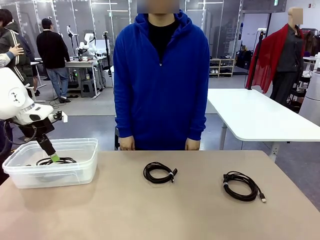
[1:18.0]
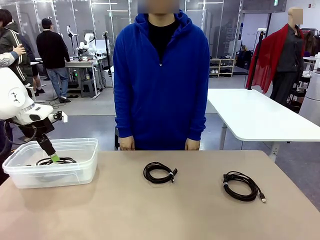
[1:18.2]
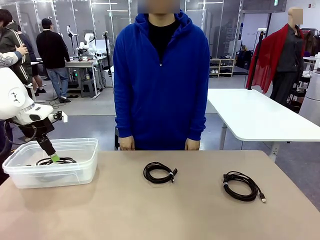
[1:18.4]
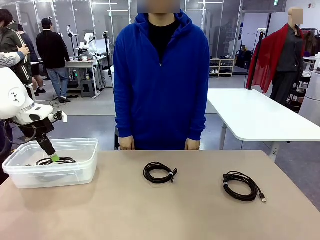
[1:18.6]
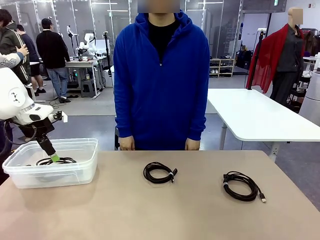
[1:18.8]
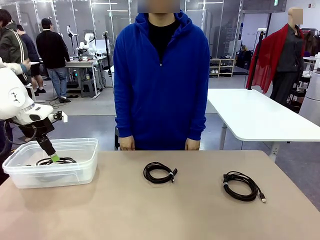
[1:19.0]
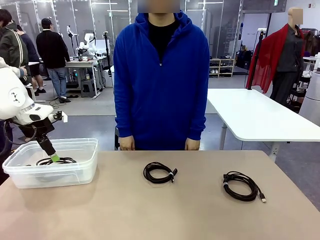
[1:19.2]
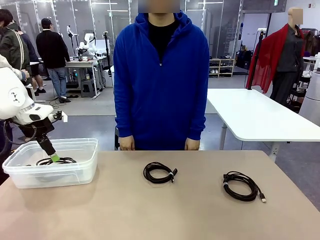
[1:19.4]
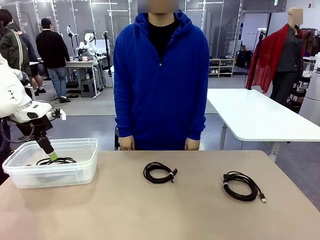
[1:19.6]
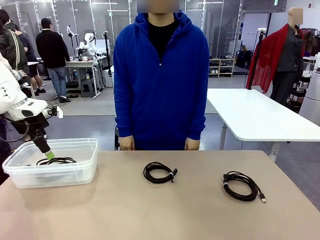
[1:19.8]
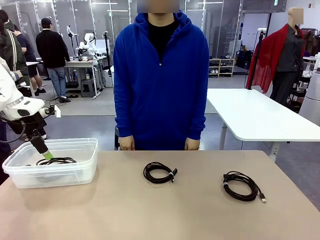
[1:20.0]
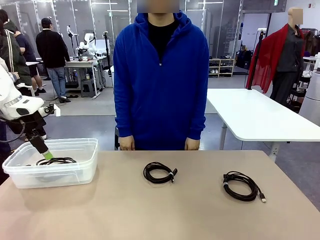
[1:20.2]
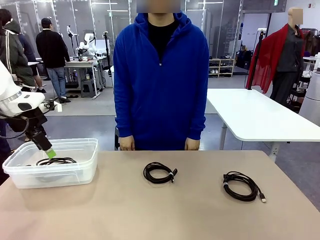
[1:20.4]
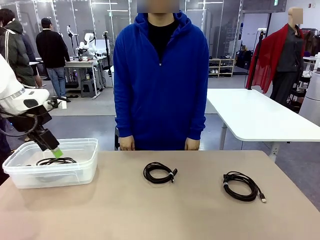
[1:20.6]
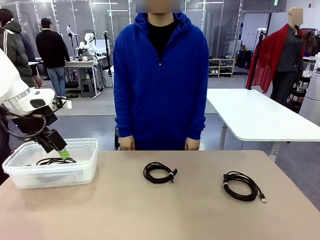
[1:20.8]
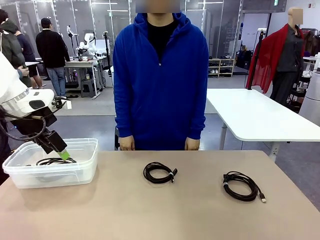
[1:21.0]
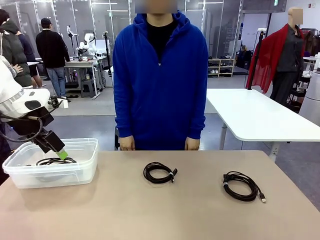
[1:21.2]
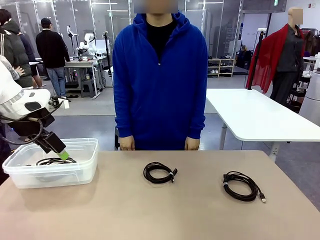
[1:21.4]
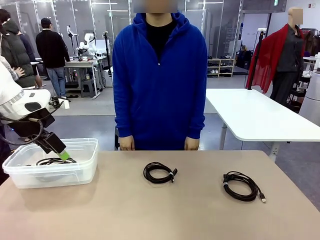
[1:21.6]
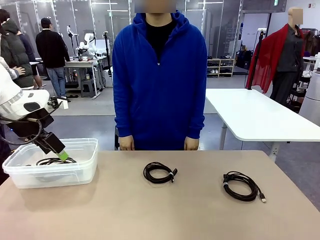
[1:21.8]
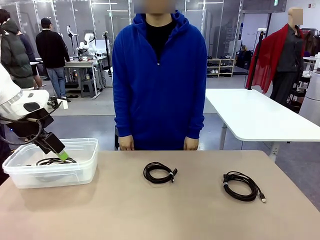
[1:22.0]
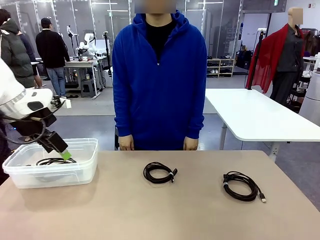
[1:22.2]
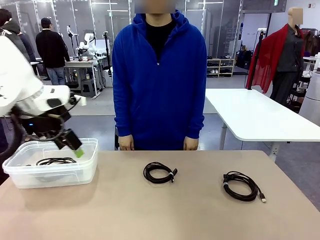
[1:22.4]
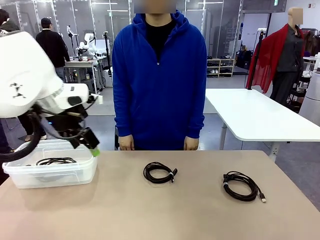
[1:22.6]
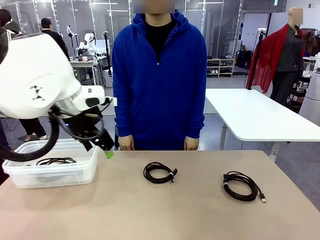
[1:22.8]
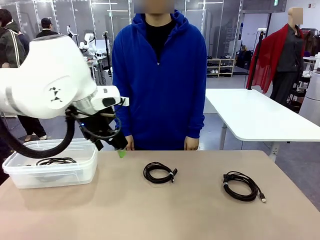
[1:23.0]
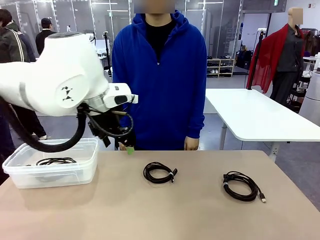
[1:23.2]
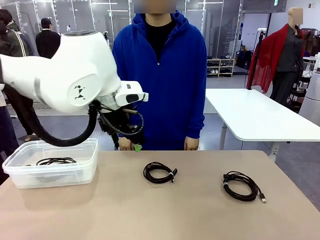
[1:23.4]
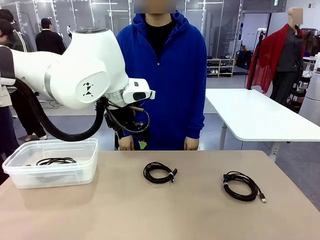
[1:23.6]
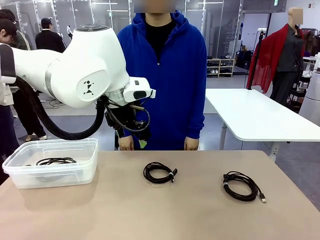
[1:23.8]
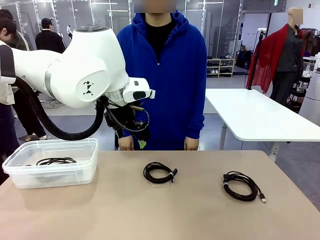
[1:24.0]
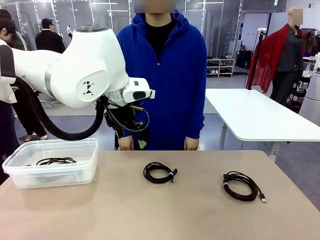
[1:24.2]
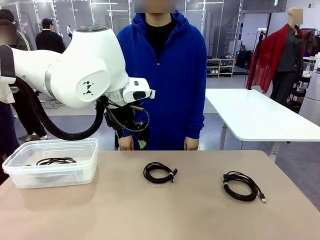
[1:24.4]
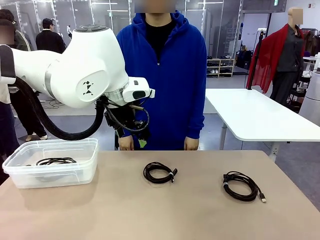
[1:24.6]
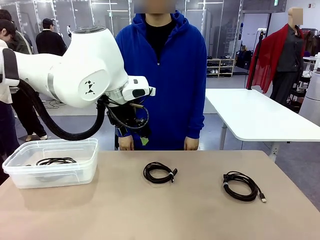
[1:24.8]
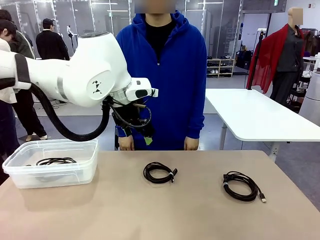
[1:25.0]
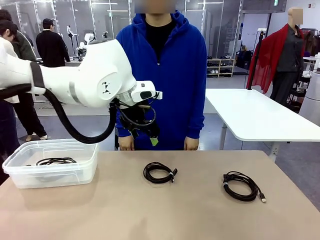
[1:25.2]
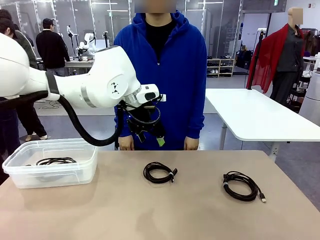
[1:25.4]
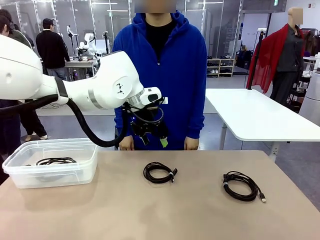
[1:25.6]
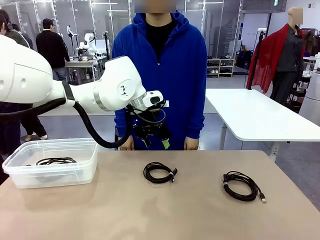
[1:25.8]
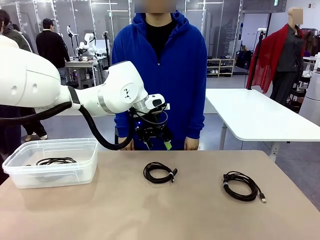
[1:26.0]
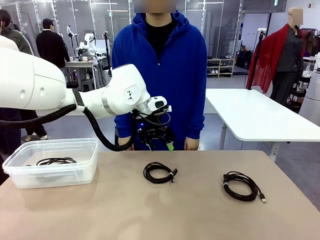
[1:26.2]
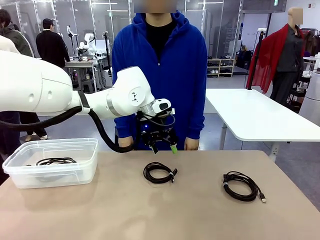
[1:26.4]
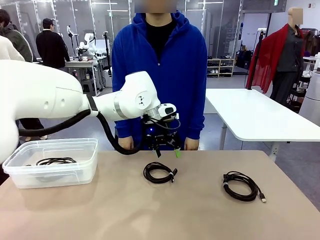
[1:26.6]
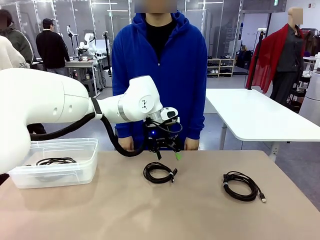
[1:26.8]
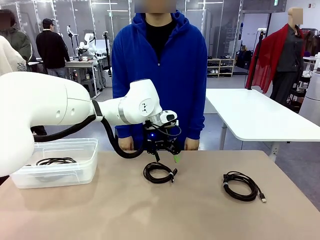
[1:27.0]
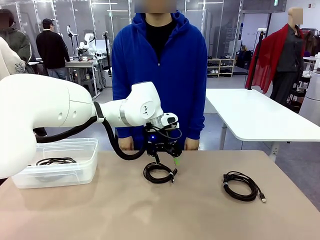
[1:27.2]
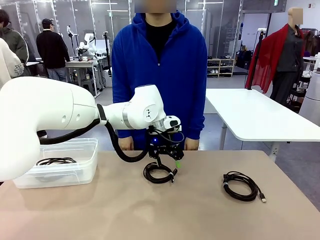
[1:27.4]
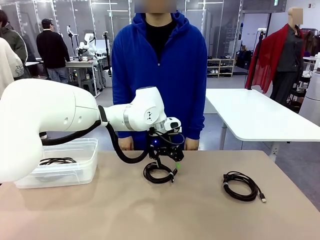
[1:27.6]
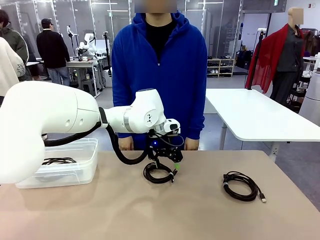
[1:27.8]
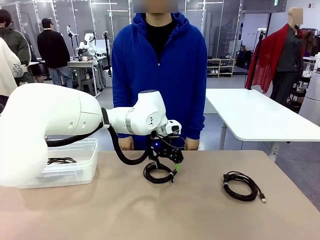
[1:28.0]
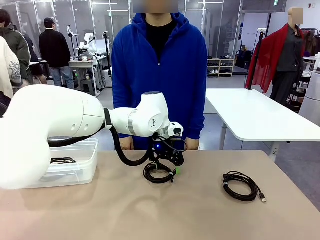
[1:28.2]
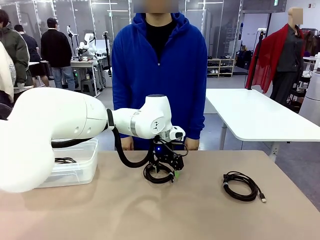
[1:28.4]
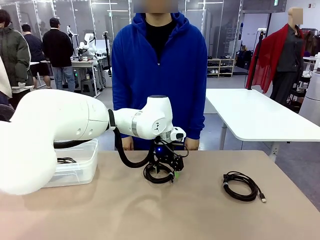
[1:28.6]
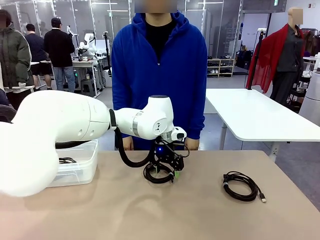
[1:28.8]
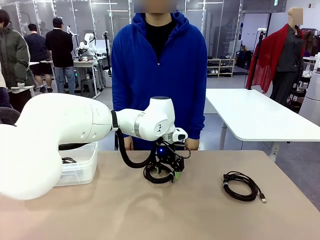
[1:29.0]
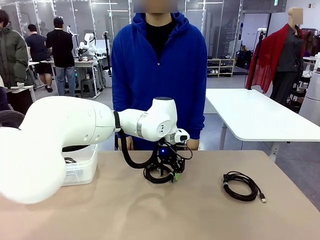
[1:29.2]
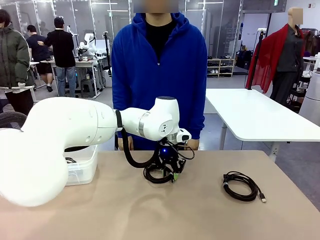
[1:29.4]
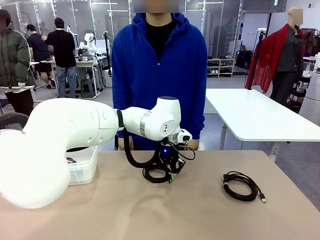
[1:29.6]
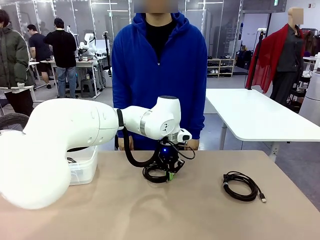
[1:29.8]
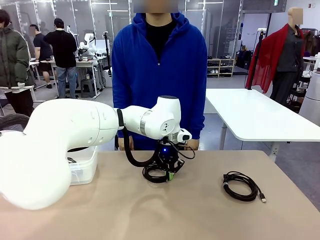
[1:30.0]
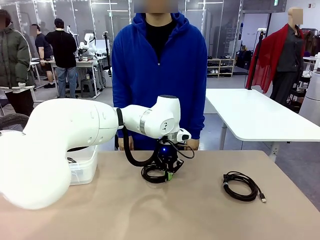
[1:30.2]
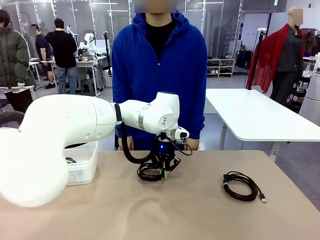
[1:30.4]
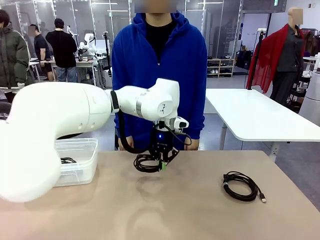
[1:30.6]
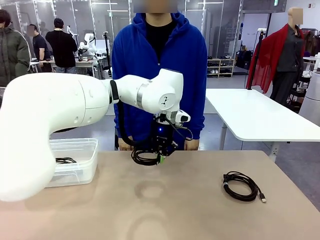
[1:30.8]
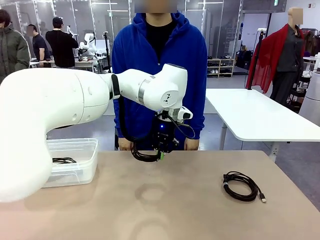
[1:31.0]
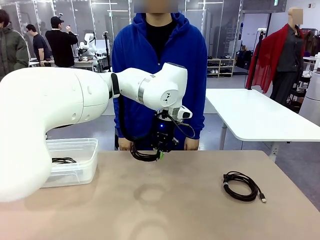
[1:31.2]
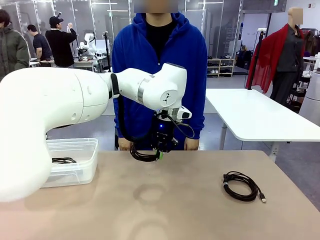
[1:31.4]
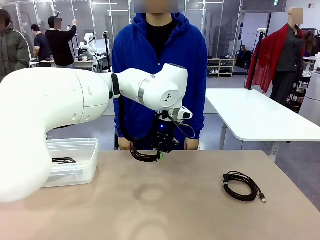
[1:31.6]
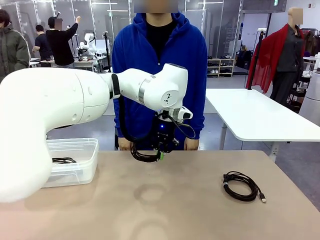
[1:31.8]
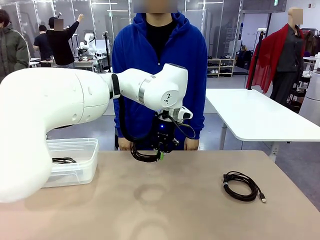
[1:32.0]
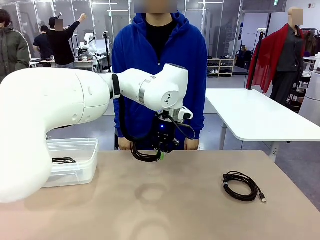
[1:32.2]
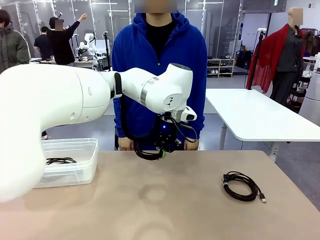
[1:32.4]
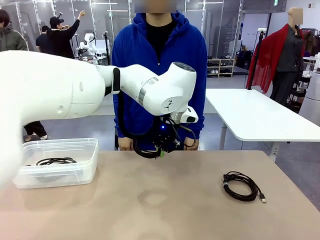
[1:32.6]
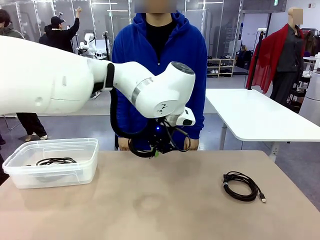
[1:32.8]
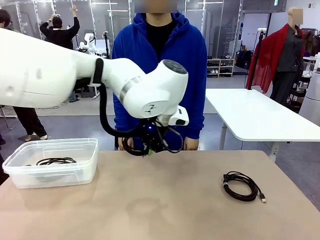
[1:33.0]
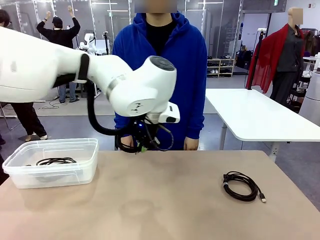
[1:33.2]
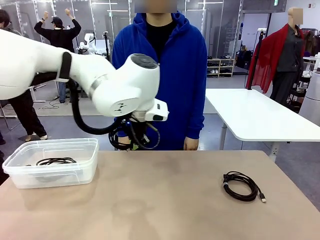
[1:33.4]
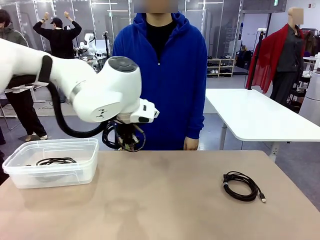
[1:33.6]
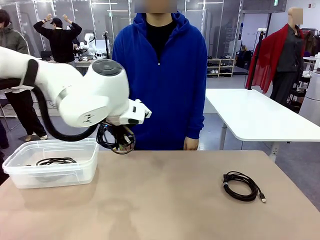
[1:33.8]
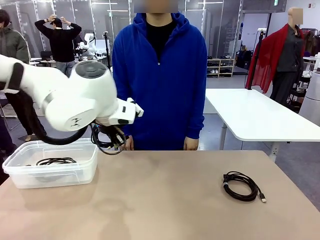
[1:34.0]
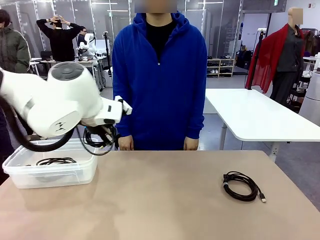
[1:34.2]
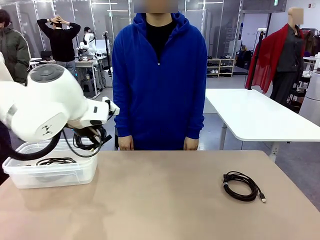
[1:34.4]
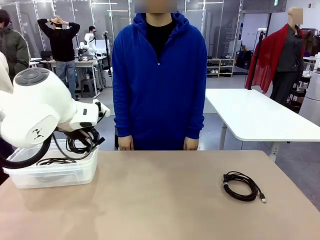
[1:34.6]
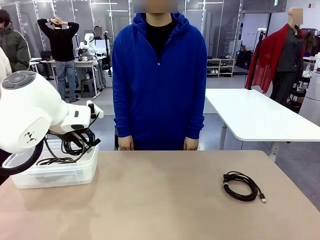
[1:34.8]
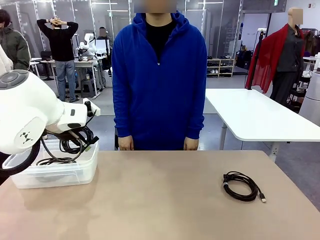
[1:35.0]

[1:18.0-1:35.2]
Task: Organize and store the cables.
Robot: Place the USB Extension Cable into the Organizing box.

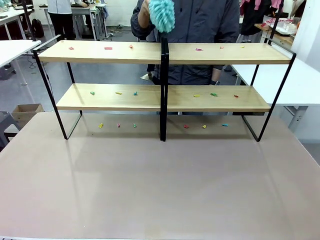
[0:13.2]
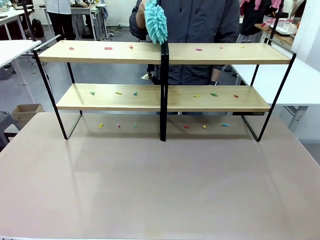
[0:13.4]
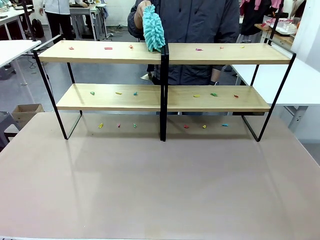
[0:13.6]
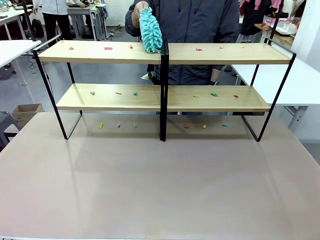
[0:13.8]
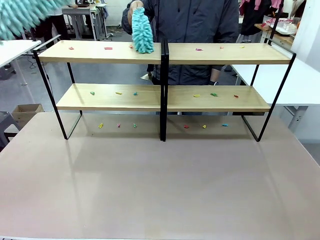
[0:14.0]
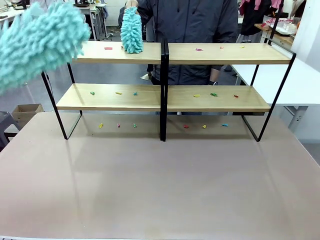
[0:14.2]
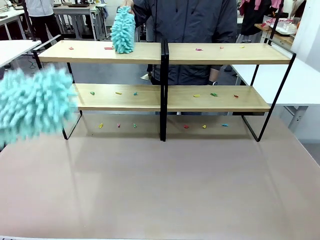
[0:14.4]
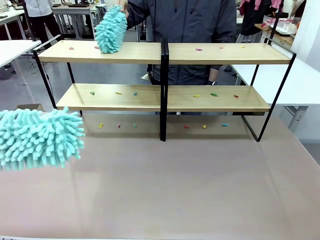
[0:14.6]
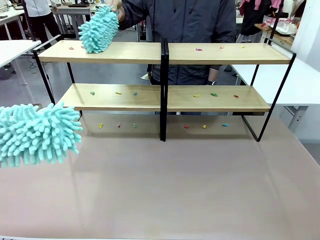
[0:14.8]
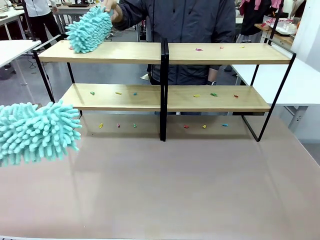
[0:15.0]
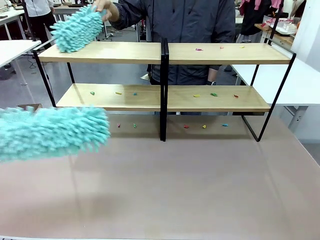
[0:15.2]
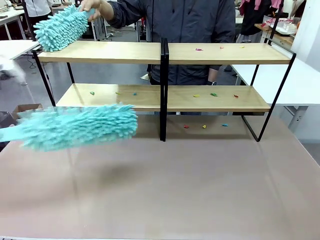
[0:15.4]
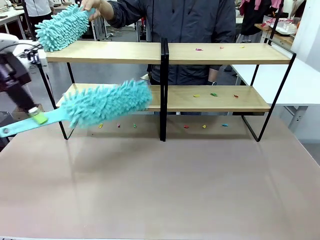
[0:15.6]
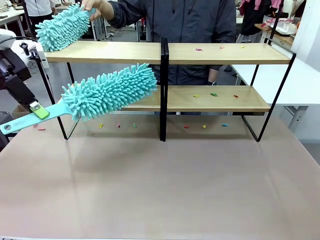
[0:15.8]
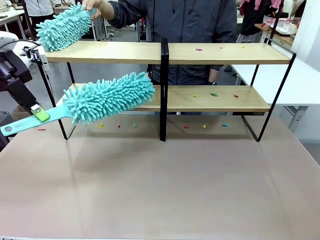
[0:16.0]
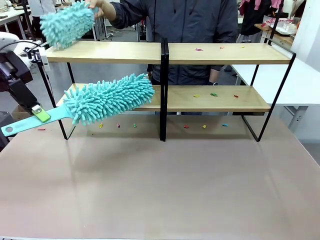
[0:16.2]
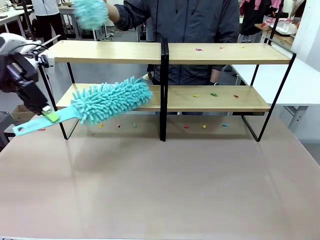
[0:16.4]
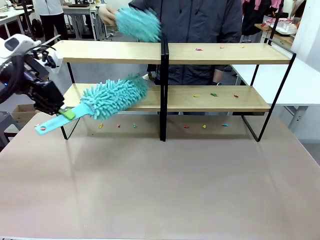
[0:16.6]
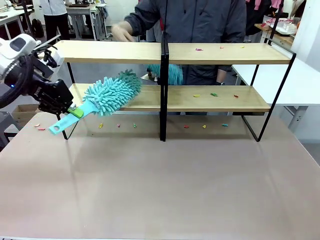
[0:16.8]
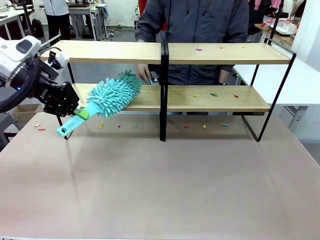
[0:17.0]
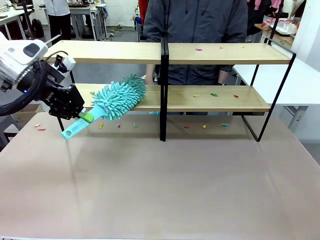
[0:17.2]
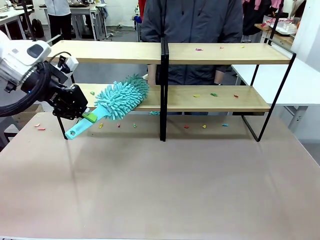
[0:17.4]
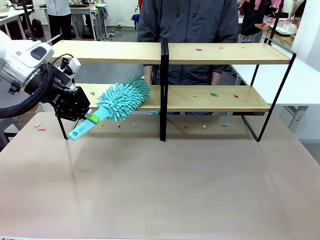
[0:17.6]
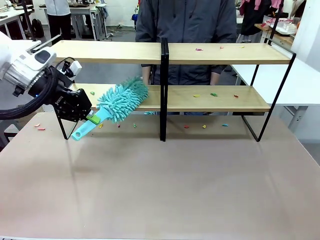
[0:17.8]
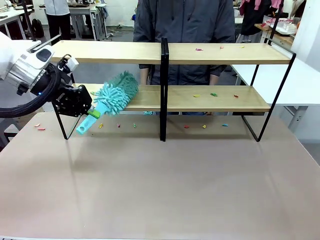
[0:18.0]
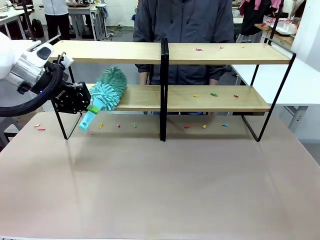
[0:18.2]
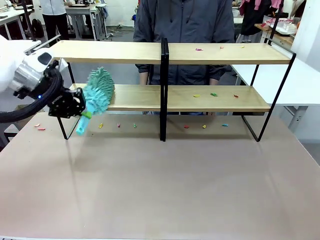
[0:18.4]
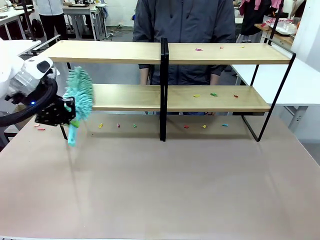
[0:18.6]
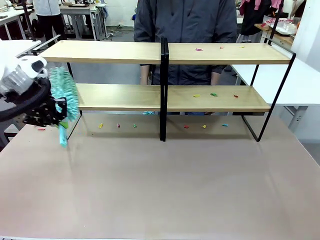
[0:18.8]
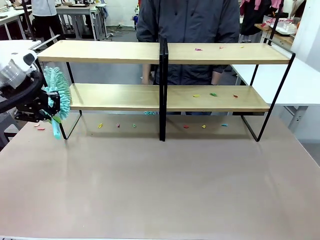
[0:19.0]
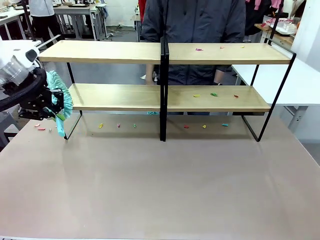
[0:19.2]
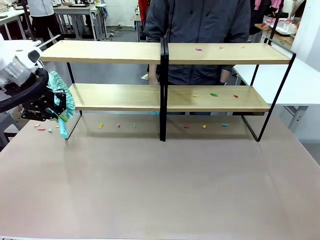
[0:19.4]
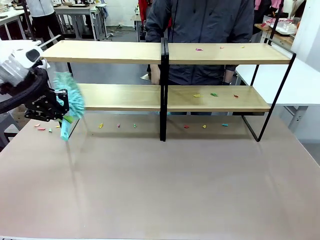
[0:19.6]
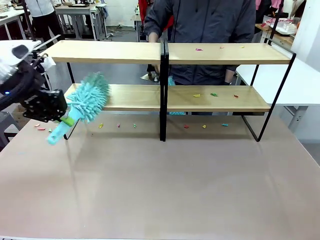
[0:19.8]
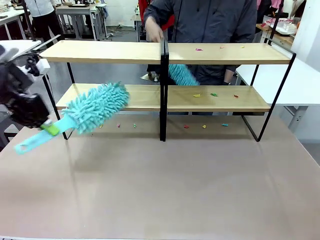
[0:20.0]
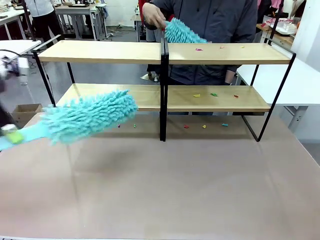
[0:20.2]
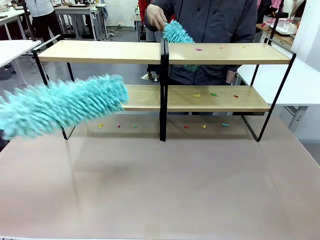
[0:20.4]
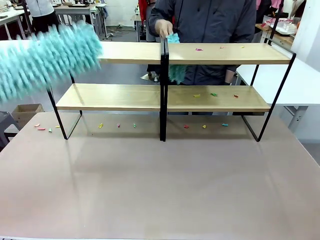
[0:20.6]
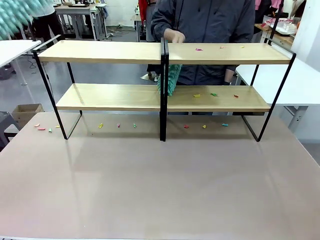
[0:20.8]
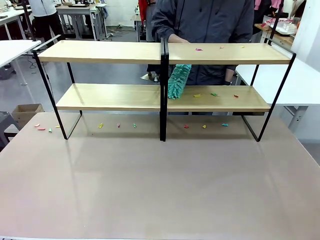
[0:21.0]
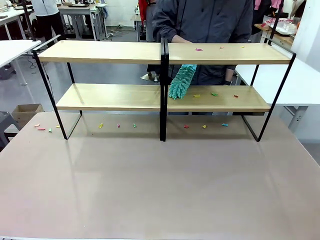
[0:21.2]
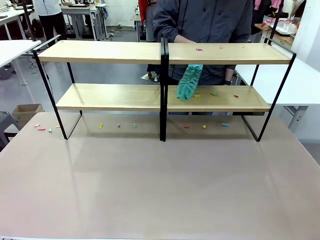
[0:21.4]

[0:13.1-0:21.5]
Task: Clean the shelves.
Robot: Clean a randomly selected level of the Shelf with the Duster.
